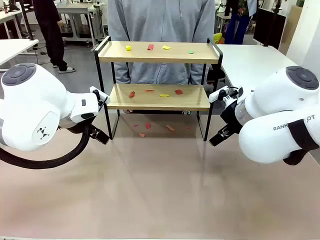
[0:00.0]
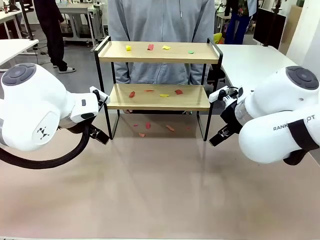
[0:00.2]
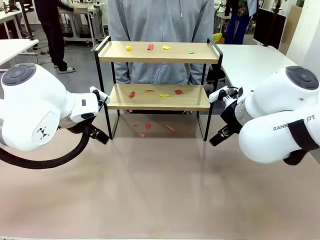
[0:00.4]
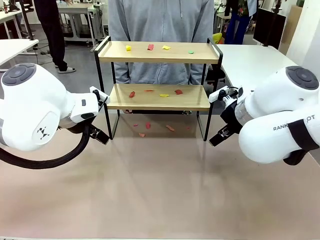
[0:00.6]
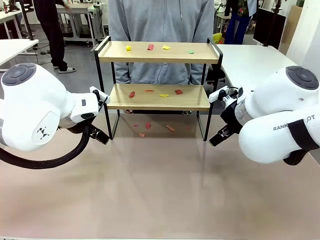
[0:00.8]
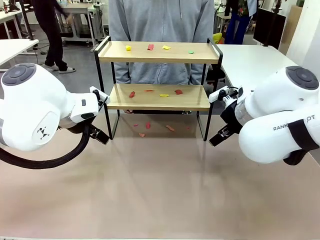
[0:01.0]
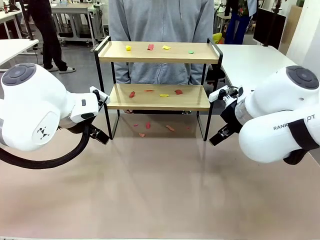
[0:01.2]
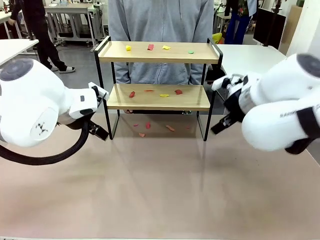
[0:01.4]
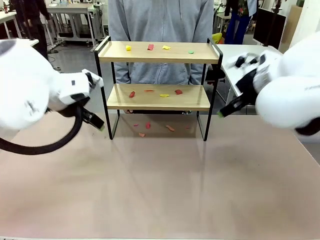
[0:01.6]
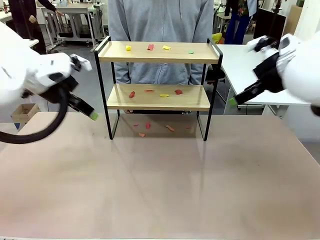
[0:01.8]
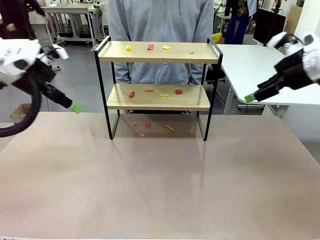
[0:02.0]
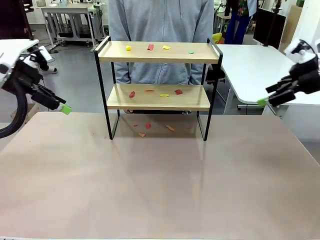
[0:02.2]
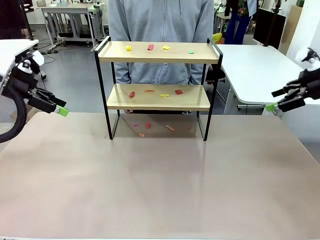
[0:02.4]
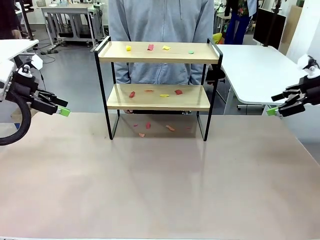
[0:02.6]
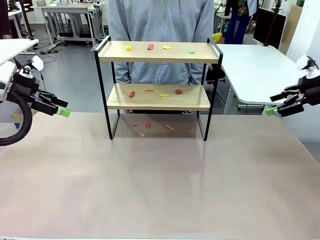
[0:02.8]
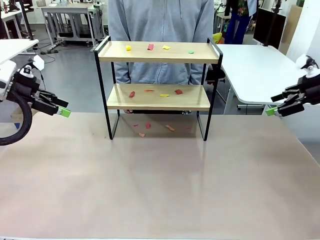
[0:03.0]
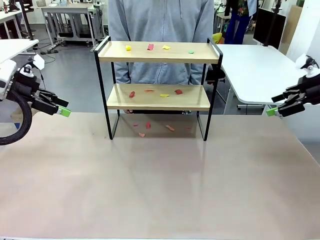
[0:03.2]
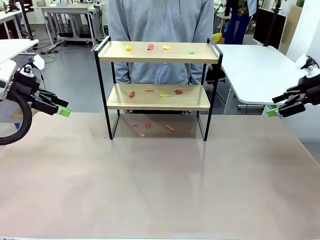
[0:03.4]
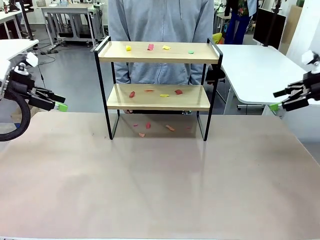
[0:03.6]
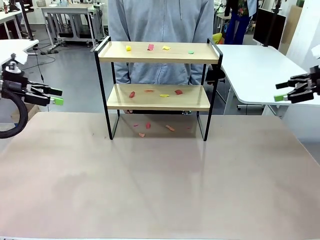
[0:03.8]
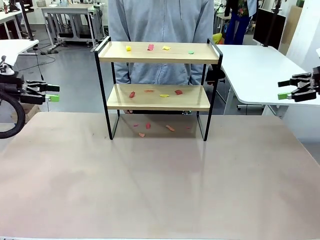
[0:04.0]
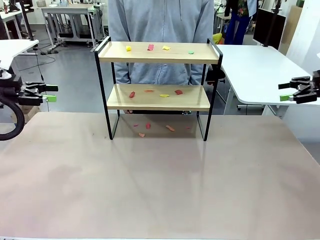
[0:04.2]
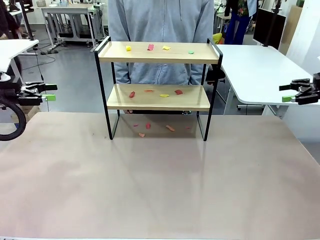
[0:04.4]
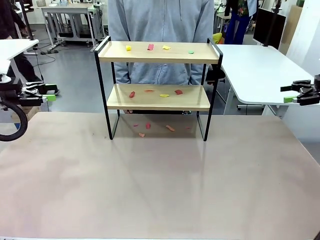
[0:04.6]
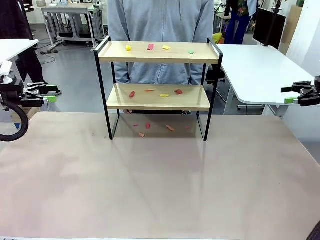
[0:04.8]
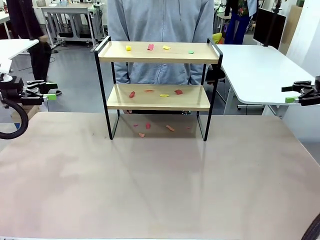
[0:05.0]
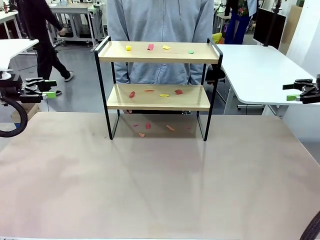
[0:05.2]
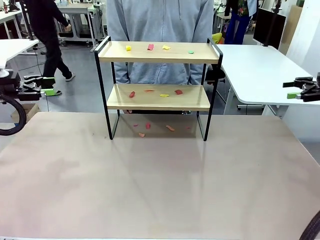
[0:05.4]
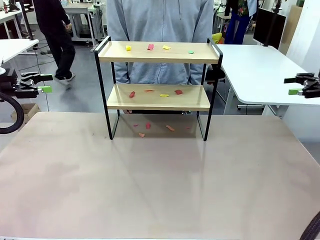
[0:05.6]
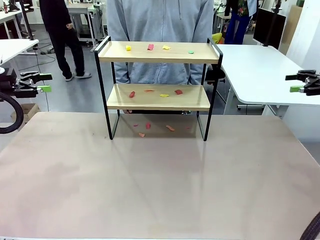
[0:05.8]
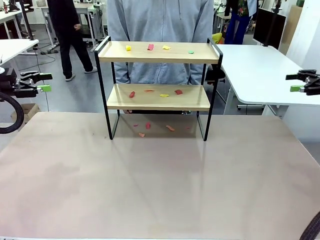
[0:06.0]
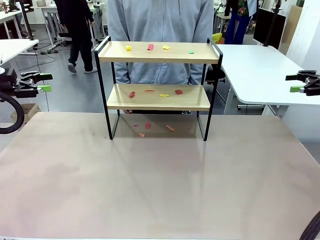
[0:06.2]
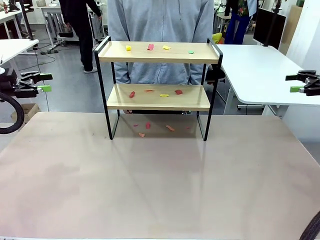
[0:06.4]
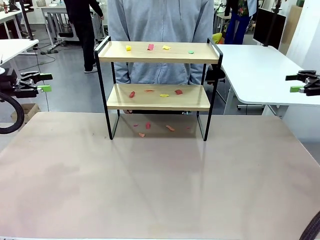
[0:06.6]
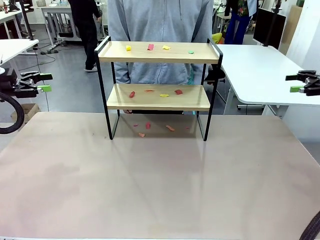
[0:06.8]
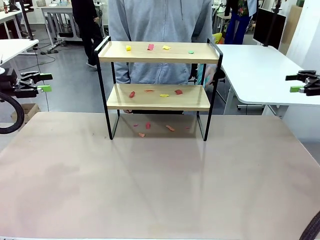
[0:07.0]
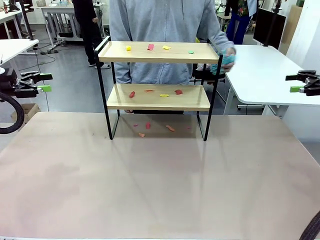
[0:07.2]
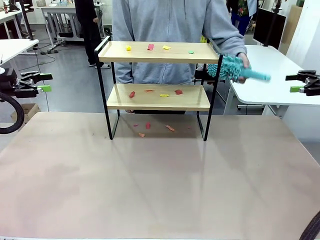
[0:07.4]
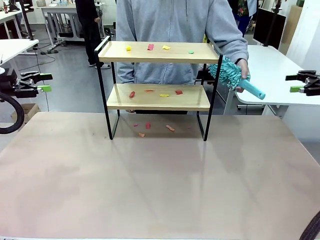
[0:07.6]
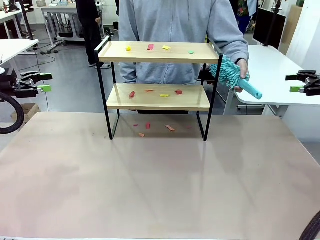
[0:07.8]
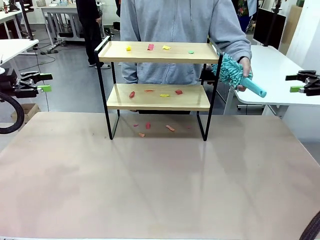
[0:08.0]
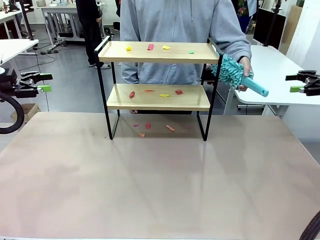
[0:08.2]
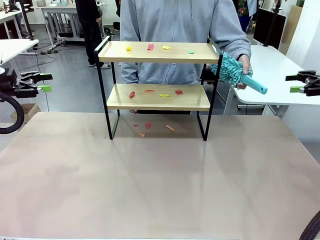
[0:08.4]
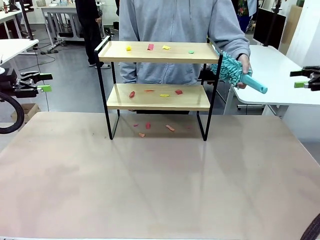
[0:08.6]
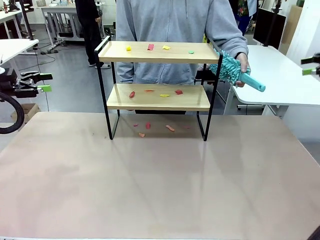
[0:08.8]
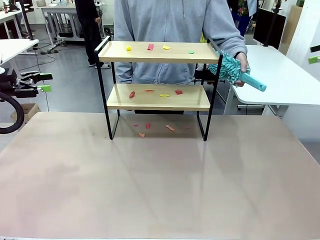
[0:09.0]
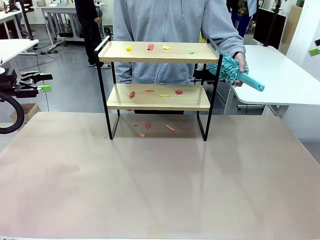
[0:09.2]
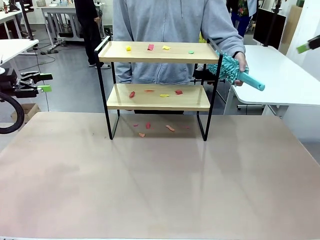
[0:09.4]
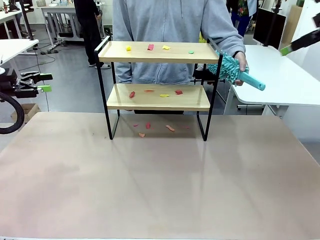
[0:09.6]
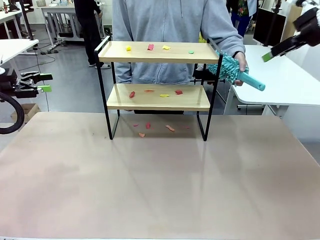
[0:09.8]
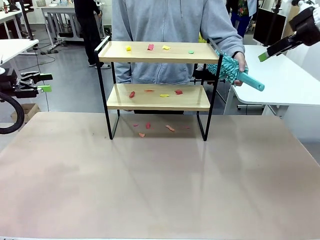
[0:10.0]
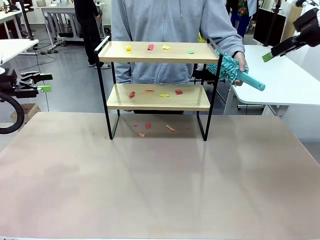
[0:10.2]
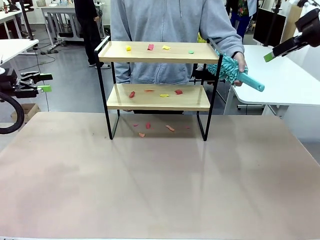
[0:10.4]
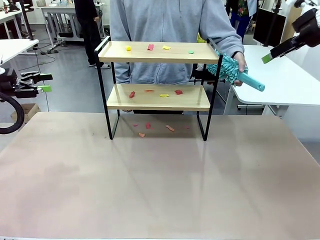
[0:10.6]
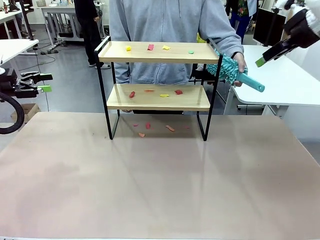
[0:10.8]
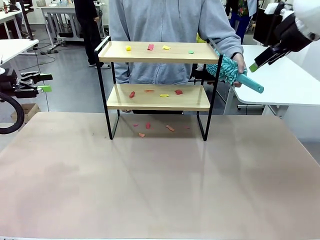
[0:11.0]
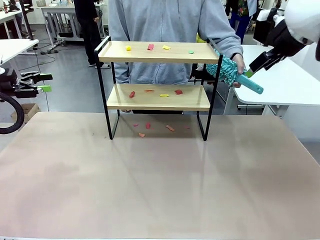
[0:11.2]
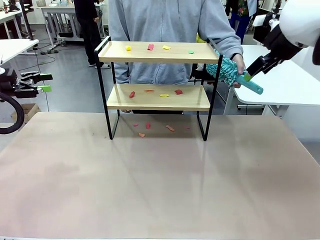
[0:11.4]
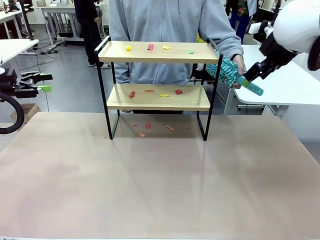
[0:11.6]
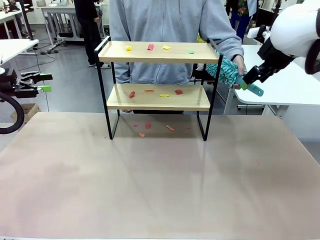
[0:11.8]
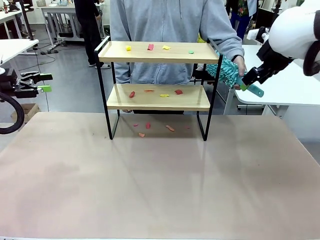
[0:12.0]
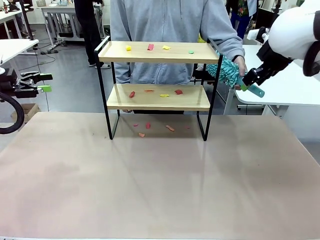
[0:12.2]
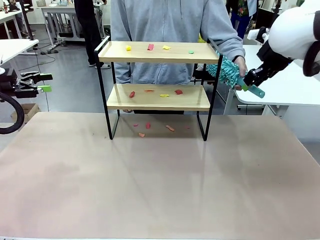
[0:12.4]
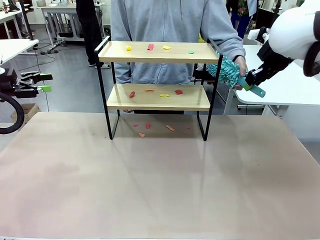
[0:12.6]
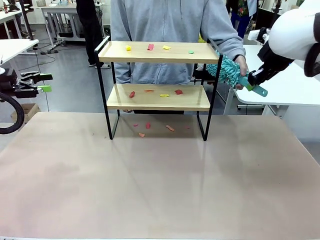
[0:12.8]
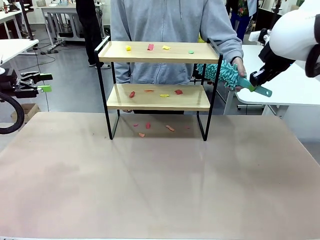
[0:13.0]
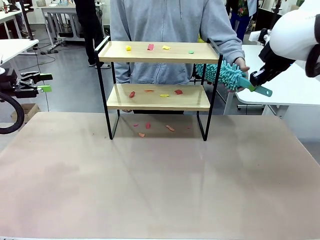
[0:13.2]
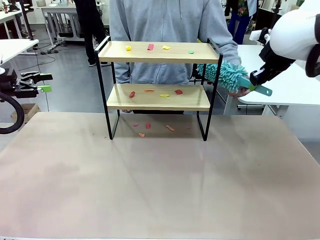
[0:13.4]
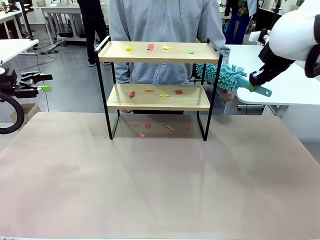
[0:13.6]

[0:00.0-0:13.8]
Task: Clean the shelf.
Robot: Pick up the Duster handed by the human.
Person: Hand the Duster to the robot.

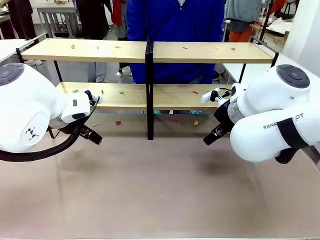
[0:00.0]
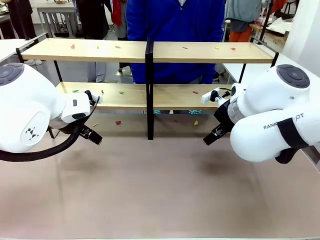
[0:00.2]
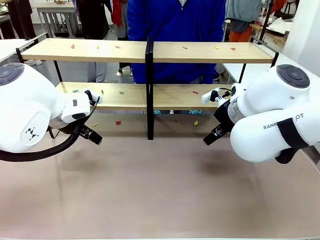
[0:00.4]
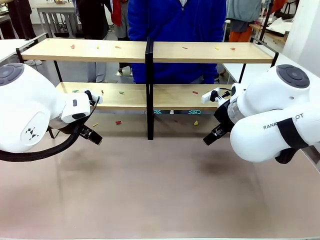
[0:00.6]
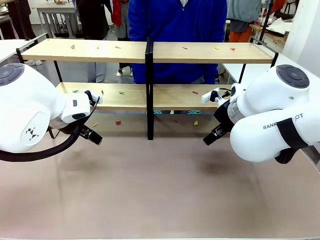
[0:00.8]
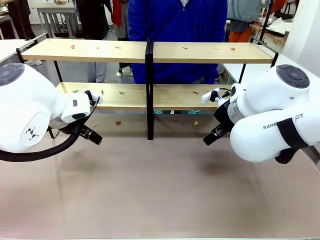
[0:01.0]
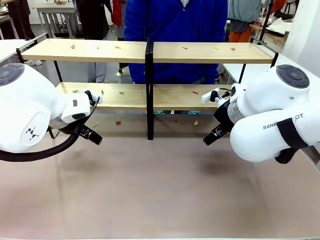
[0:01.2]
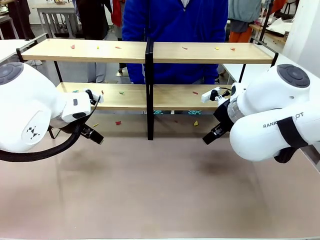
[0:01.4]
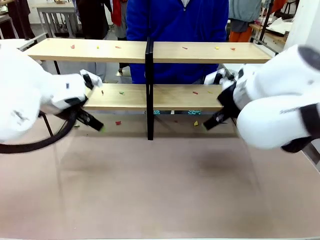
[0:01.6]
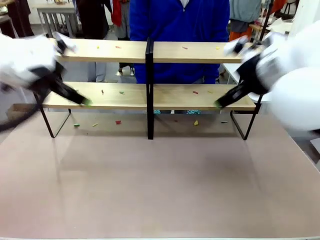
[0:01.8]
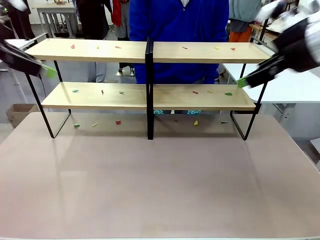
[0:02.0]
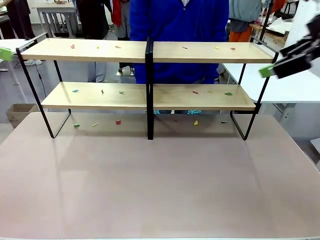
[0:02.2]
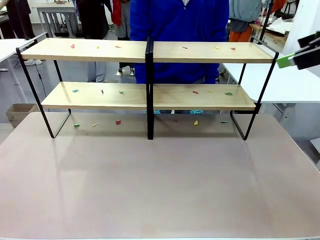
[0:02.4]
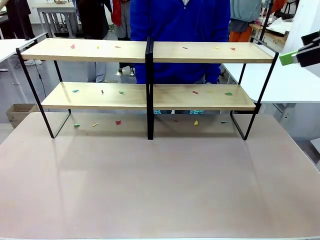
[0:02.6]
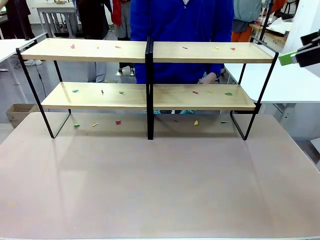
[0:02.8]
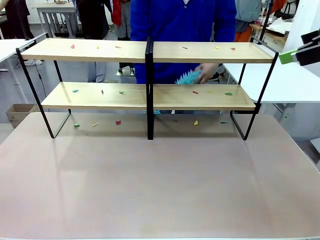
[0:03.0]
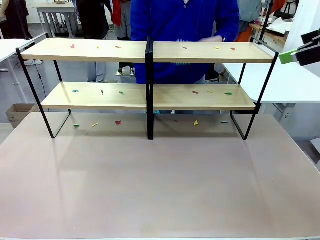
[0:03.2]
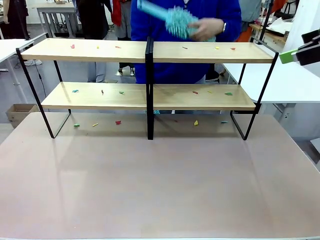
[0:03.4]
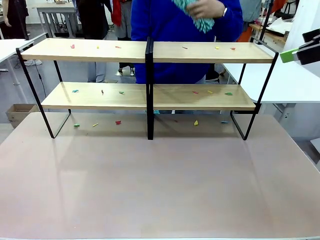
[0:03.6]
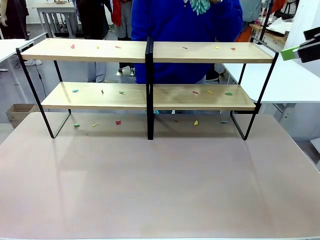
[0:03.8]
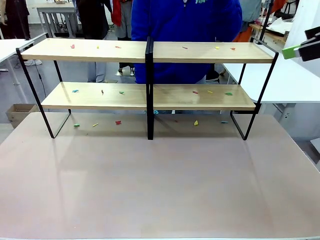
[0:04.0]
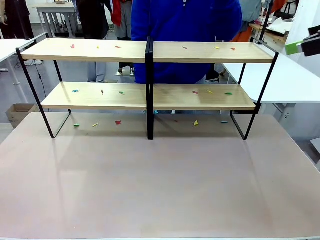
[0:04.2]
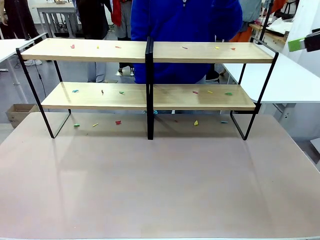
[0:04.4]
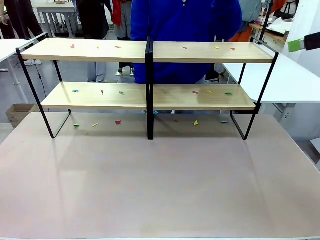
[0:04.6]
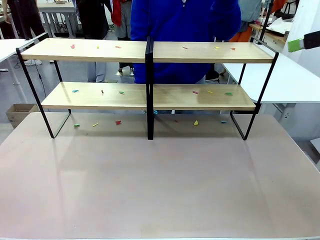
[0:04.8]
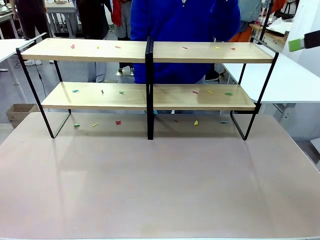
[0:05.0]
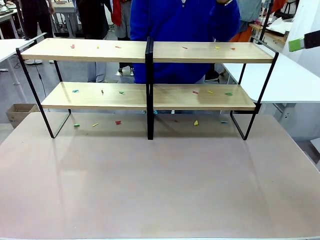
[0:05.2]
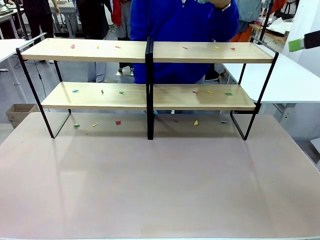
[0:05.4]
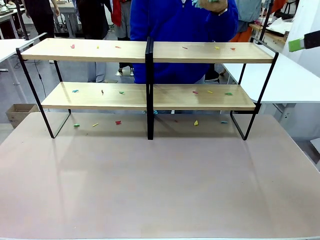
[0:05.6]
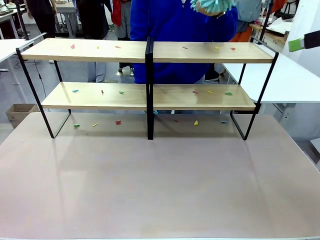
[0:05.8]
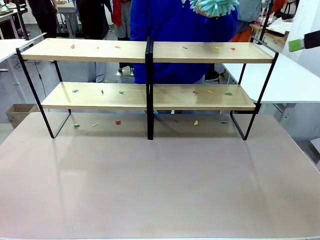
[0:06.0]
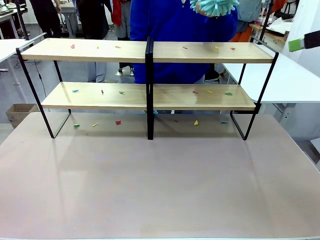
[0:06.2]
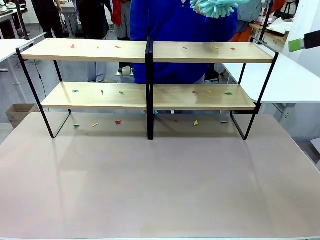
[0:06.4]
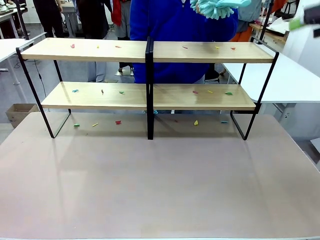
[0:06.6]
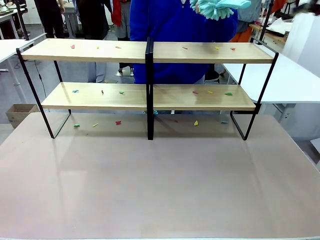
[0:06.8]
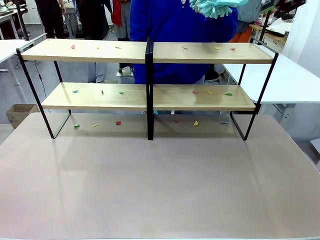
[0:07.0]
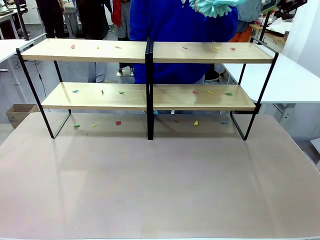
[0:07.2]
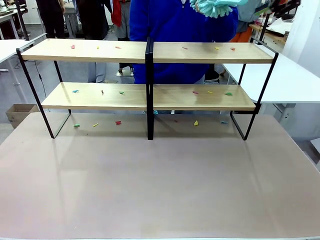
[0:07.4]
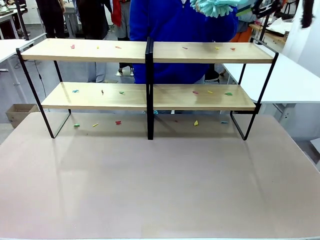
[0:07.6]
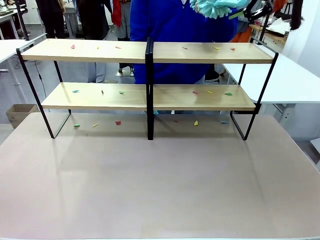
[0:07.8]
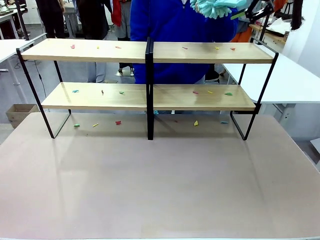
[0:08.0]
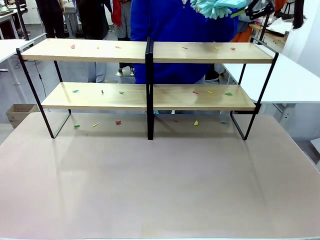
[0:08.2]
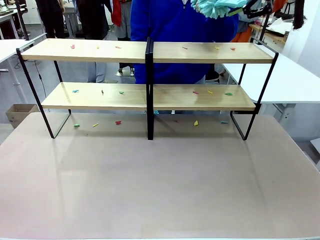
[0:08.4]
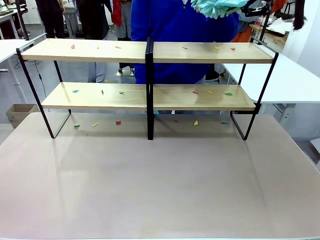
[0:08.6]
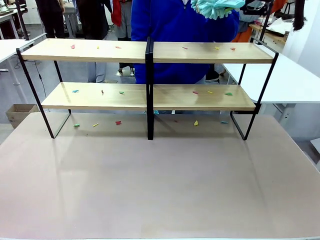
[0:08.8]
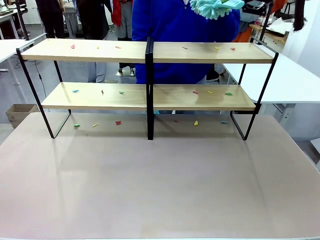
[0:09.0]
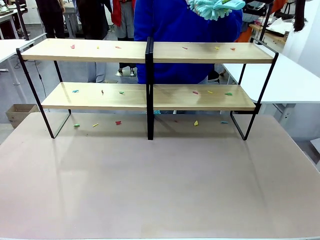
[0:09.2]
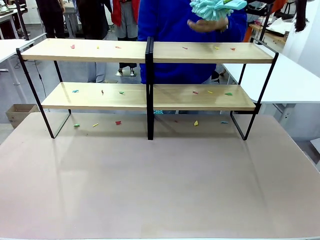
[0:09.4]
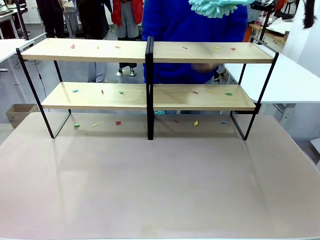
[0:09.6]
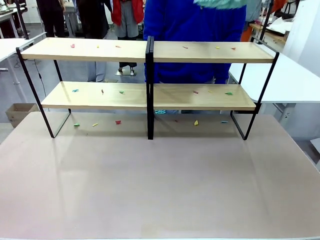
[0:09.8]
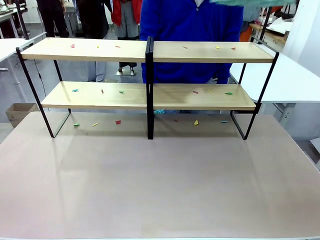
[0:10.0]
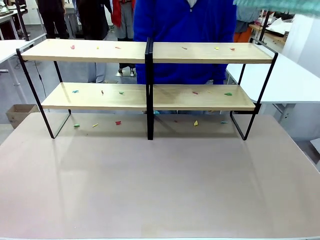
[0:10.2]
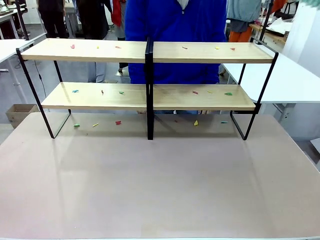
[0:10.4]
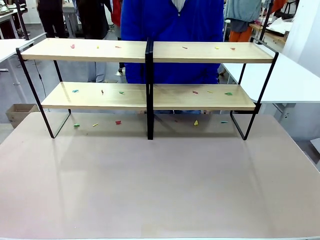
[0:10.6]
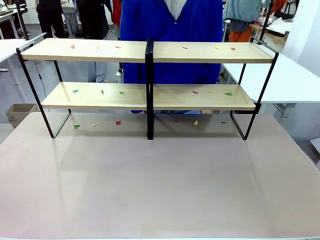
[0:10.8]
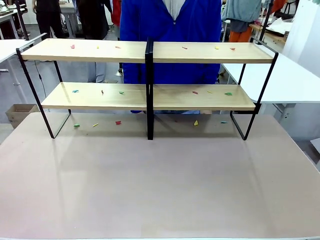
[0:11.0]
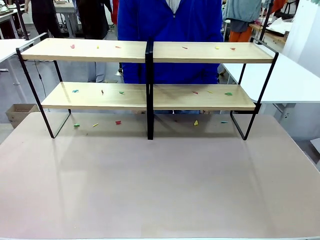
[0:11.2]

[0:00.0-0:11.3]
Task: Clean the shelves.
Robot: Pick up the Duster when the human hands it over.
Person: Hand the Duster to the robot with your right (or left) hand.
